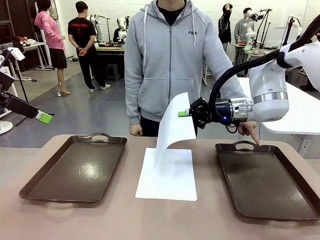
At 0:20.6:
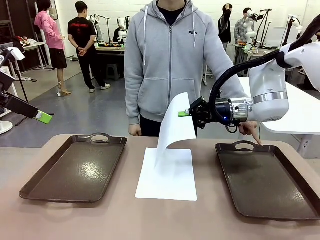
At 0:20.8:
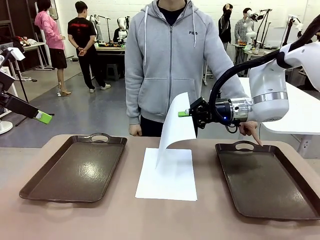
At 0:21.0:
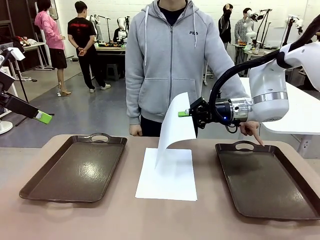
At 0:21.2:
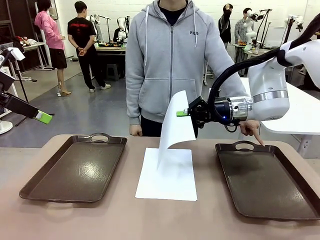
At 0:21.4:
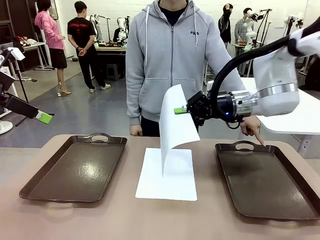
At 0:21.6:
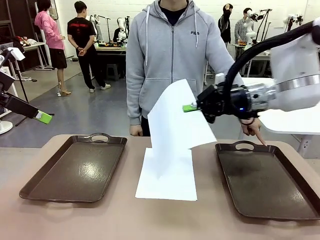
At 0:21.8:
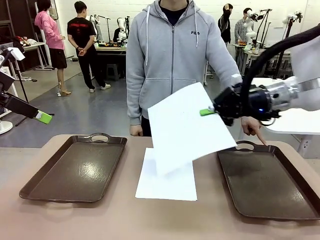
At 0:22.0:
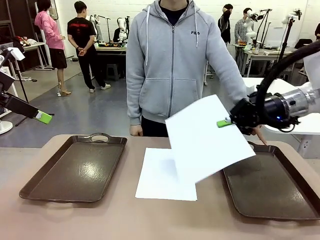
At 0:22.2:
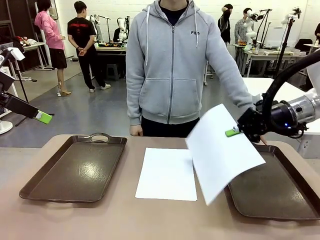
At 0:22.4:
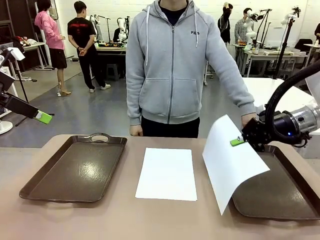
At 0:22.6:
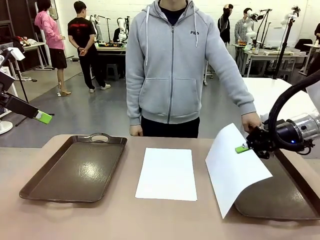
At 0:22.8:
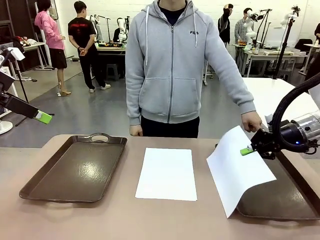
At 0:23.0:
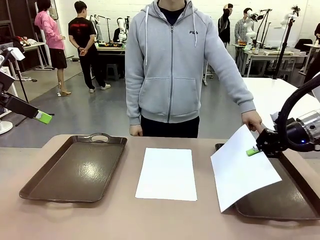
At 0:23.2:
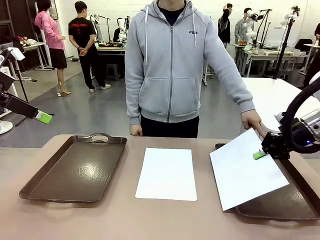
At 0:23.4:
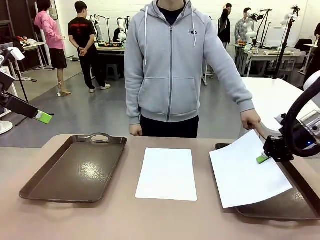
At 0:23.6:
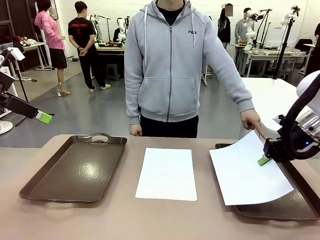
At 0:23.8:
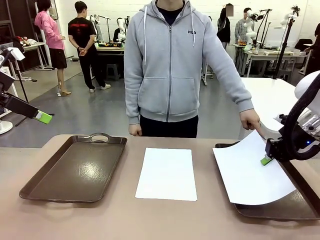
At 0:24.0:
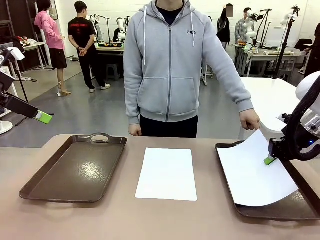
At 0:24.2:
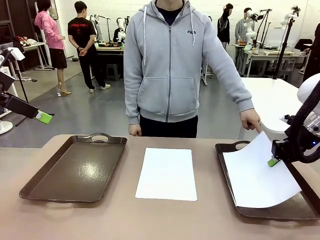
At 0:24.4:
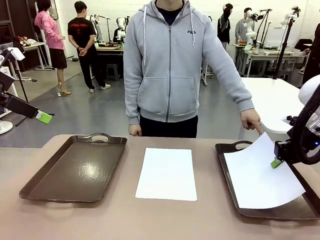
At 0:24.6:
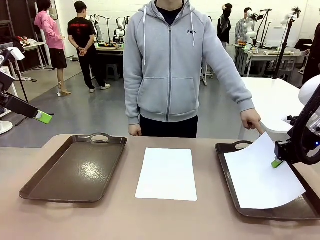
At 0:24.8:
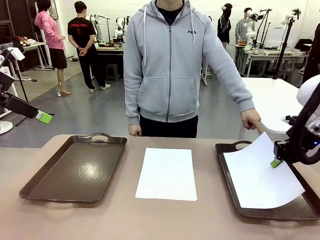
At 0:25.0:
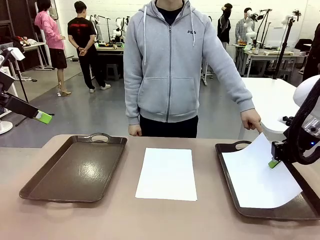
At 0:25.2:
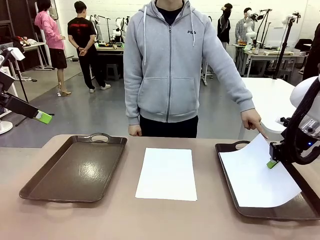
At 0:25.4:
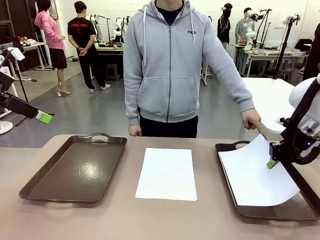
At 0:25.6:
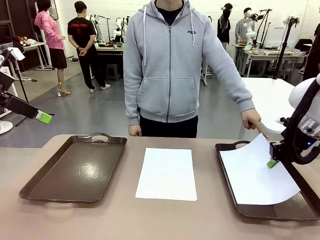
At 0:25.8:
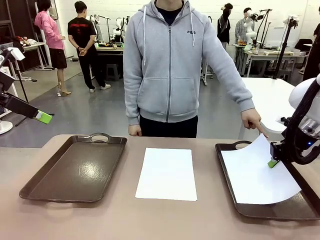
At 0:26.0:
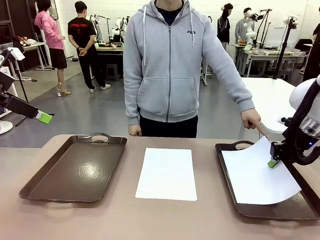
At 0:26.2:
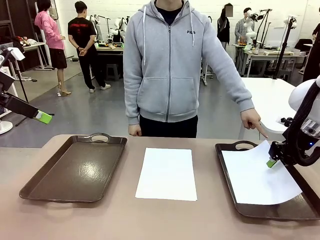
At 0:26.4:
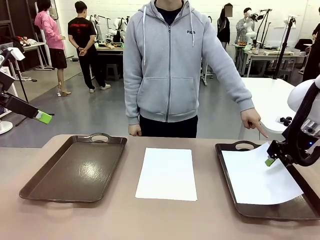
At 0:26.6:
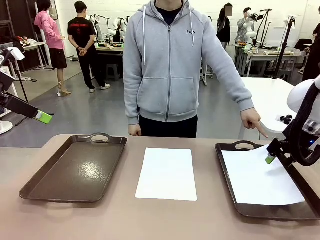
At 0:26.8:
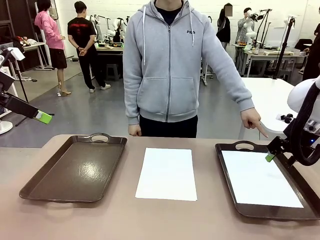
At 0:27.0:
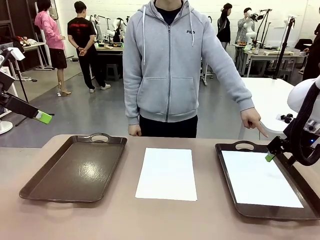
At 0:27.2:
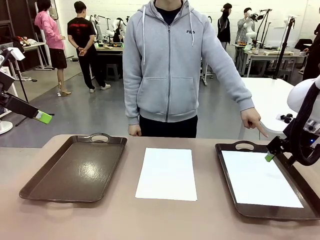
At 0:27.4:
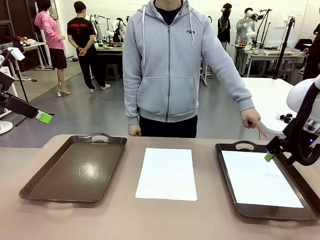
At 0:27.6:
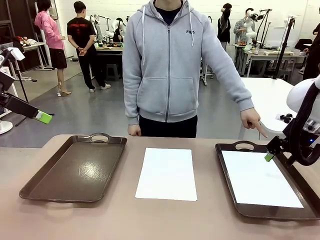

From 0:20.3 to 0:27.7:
Task: Sort the A4 documents.
Robot: Place the A4 Paper in the designated Handle tray.

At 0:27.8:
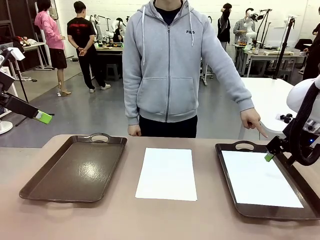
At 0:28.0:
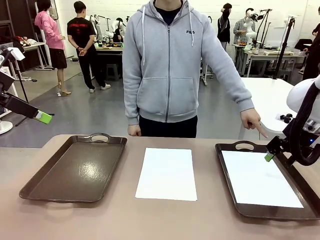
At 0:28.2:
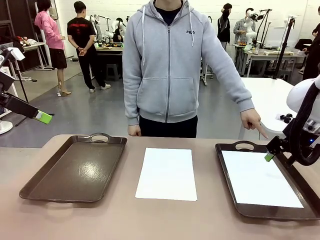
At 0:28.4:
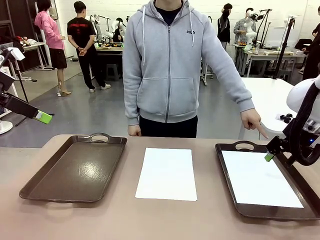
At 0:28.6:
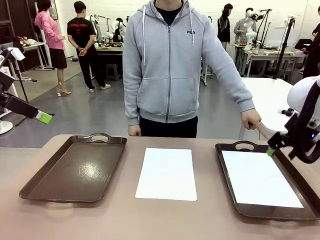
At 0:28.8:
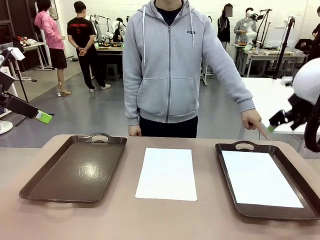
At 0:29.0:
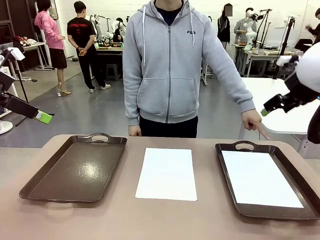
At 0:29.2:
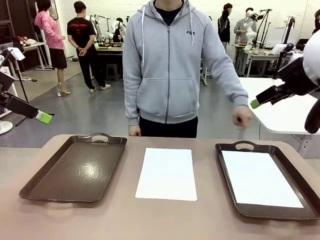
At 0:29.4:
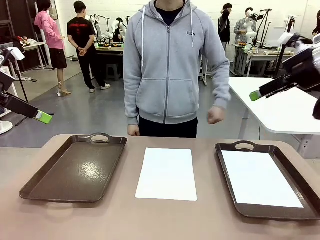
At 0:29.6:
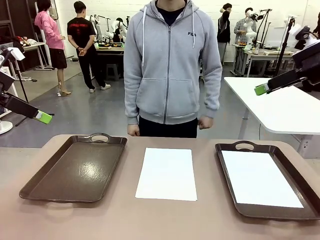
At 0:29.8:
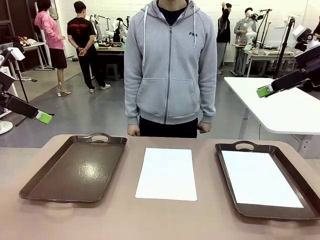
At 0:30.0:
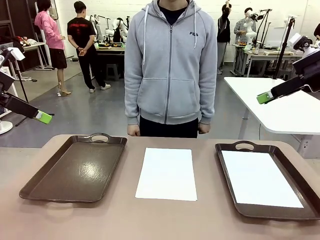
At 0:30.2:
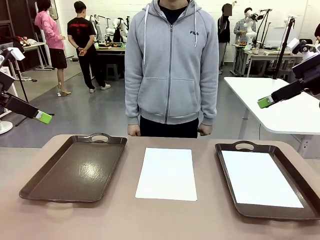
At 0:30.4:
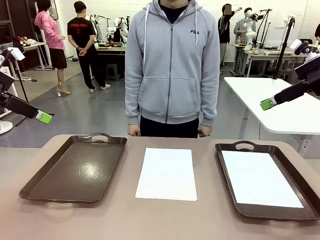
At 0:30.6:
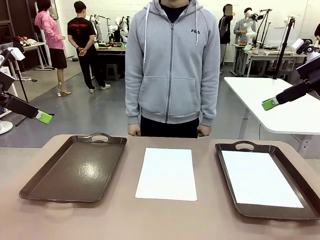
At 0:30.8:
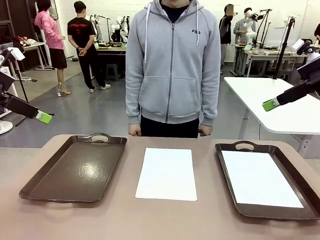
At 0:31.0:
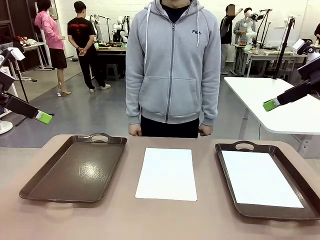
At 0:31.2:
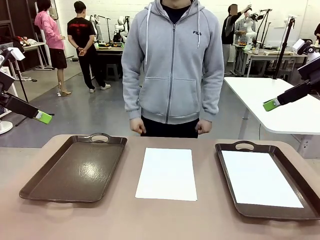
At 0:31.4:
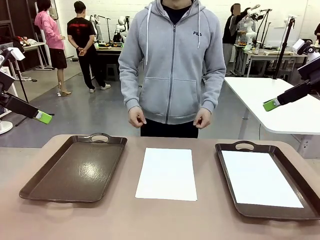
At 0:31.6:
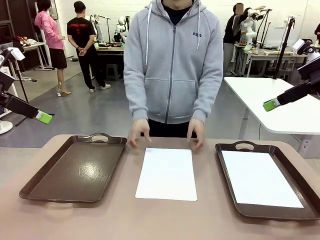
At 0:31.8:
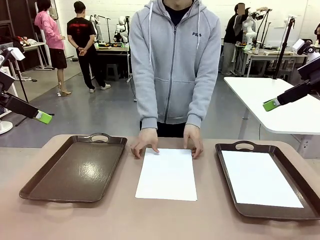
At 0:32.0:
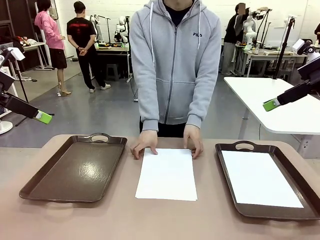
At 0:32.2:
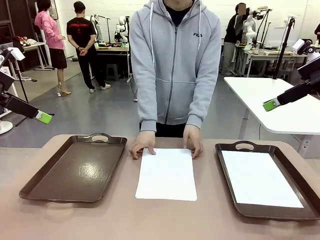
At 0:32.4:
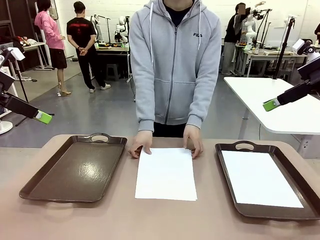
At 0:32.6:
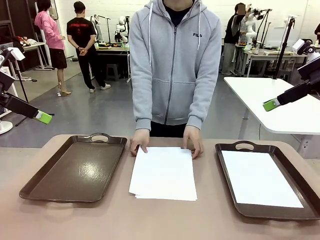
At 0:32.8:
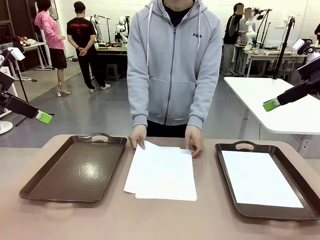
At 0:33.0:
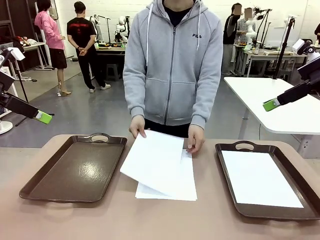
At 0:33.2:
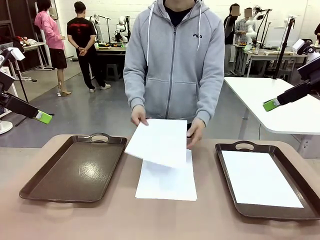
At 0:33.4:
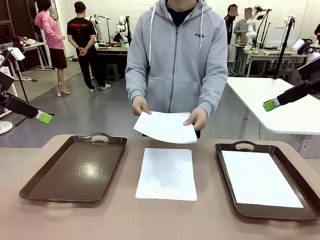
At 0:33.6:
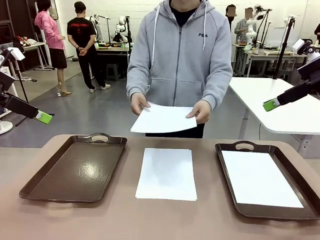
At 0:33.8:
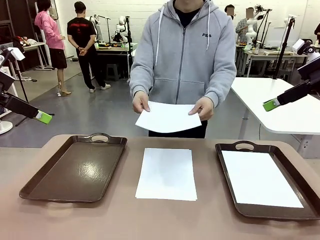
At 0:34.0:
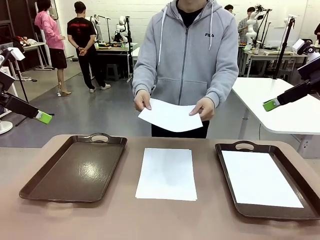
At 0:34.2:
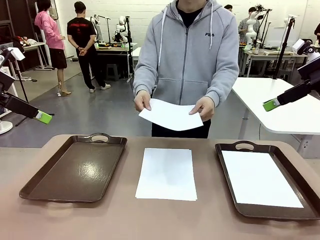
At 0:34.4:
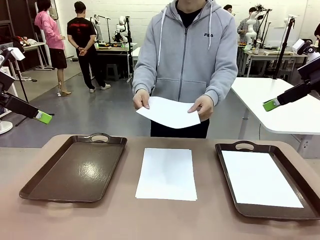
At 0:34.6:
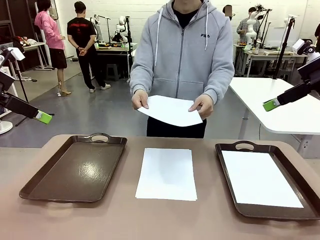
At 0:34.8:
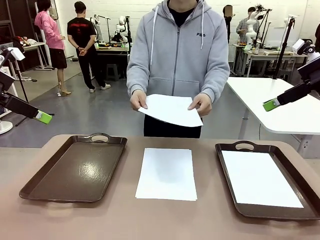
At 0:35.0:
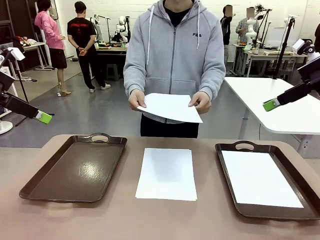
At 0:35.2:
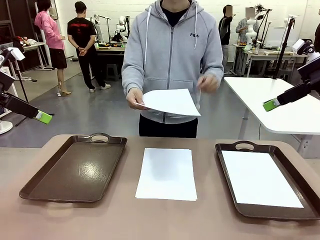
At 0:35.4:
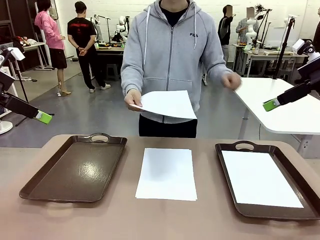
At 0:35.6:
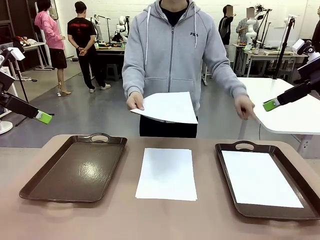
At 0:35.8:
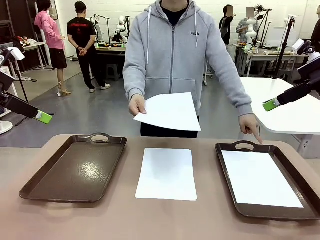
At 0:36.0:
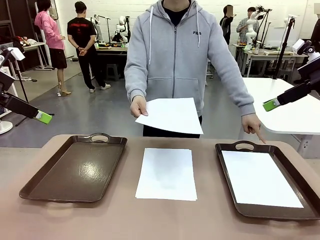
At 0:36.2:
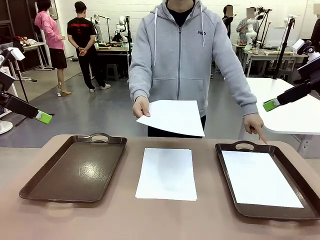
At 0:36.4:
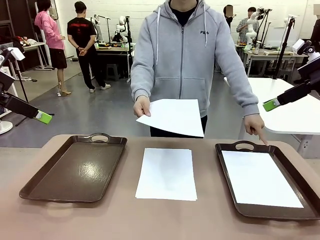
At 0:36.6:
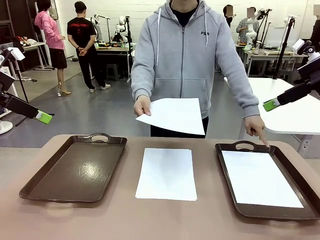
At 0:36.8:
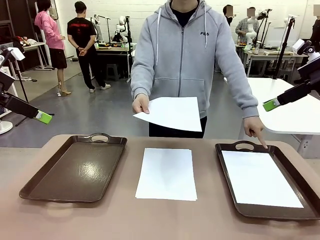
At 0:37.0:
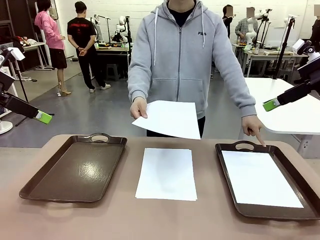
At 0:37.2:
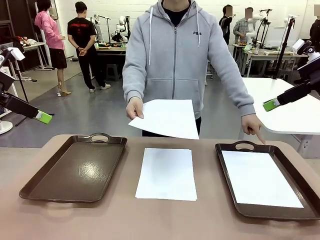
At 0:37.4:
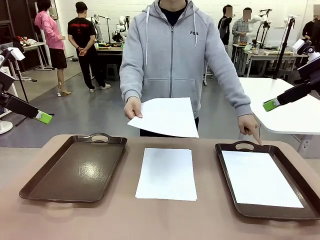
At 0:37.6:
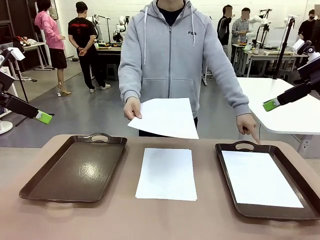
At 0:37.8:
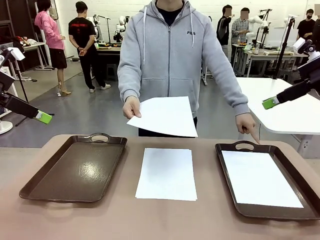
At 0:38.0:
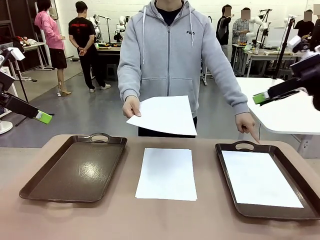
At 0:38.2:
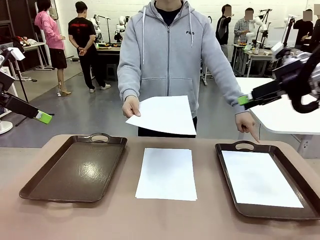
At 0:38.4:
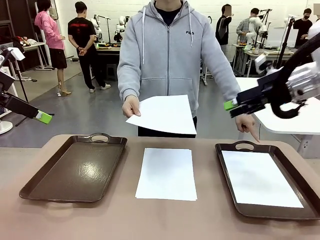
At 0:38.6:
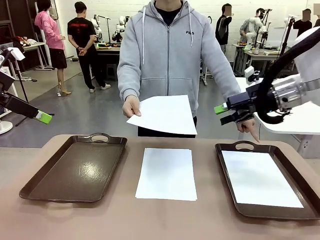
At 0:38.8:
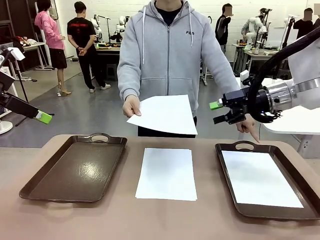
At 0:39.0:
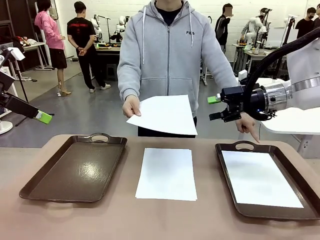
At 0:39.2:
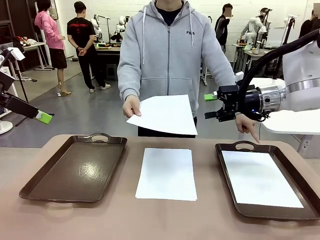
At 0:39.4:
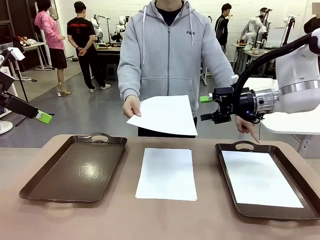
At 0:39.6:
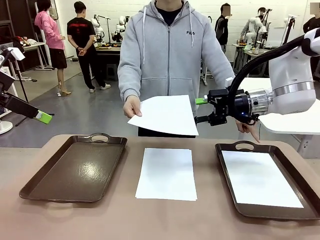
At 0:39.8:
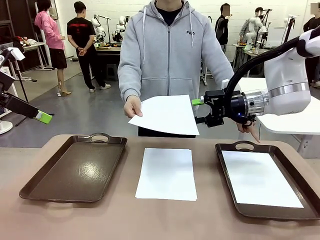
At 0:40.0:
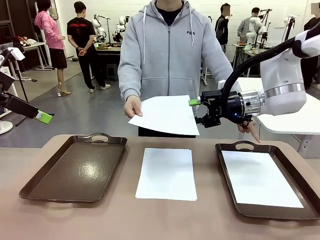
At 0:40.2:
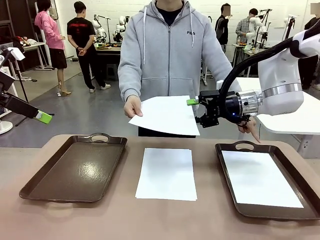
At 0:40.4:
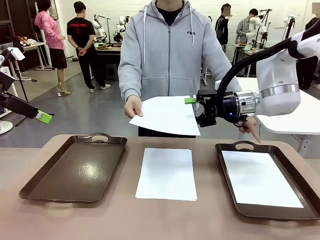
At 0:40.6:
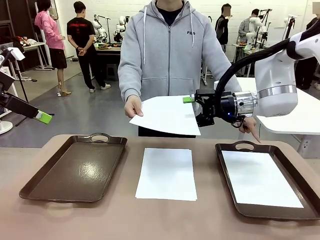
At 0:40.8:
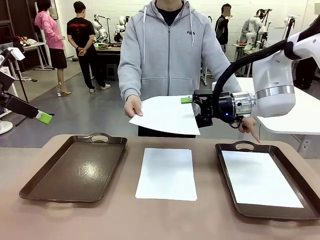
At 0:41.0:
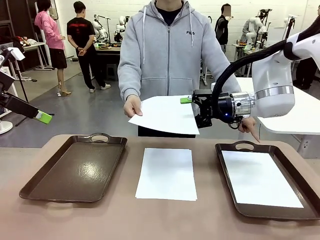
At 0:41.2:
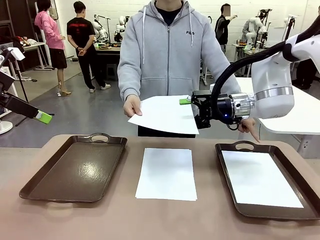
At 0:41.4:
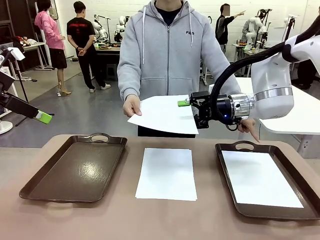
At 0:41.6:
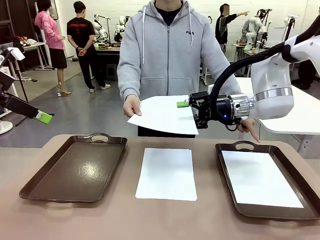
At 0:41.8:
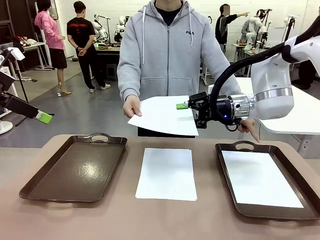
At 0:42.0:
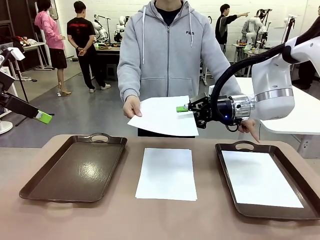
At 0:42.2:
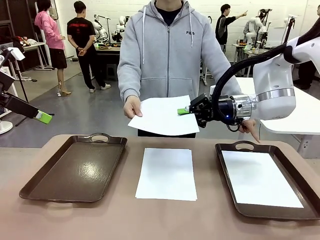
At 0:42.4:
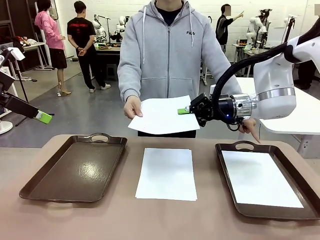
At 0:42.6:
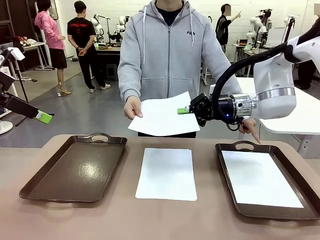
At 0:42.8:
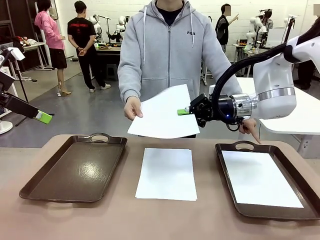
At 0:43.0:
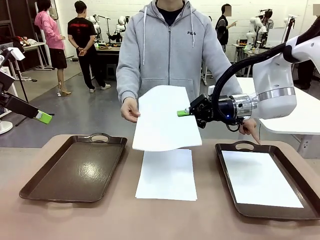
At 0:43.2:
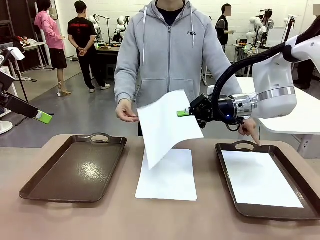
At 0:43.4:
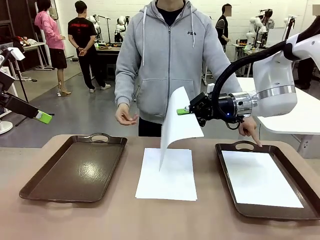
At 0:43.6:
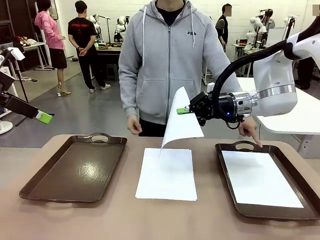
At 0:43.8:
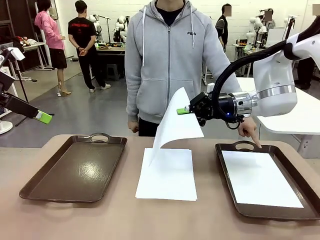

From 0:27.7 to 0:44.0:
Robot: Receive the A4 Paper.
Person: Point the randomly selected tray with the other hand.
